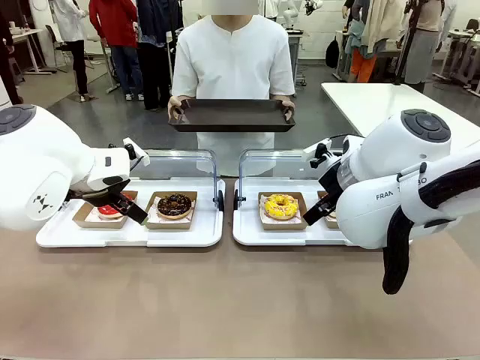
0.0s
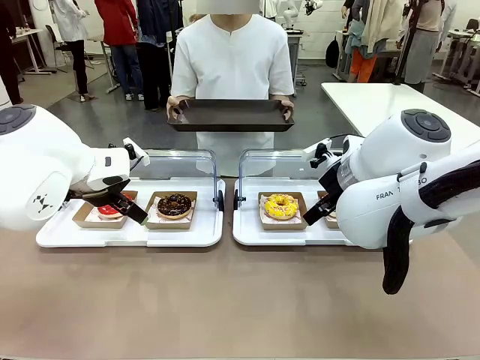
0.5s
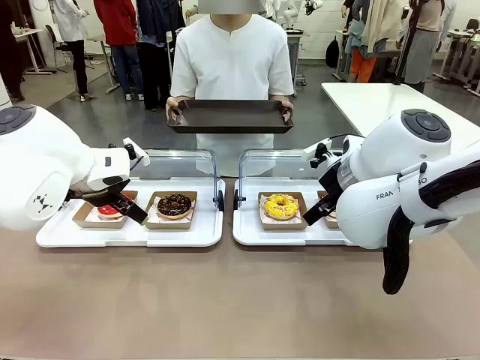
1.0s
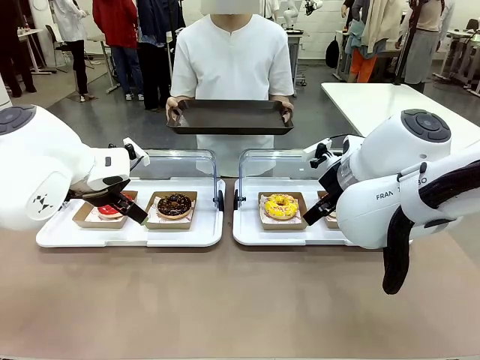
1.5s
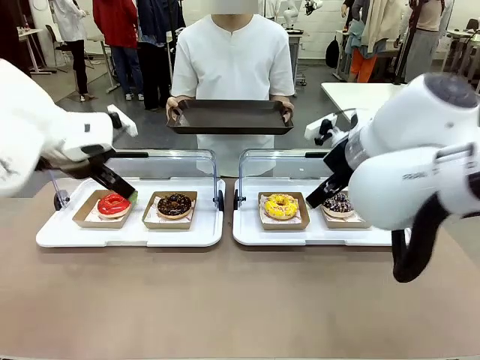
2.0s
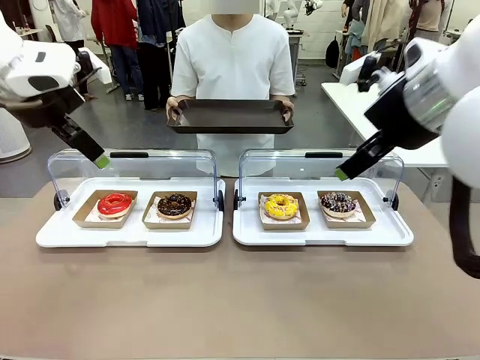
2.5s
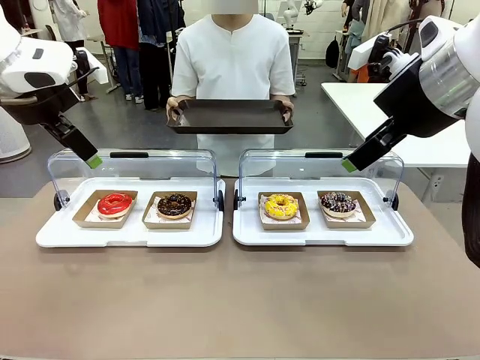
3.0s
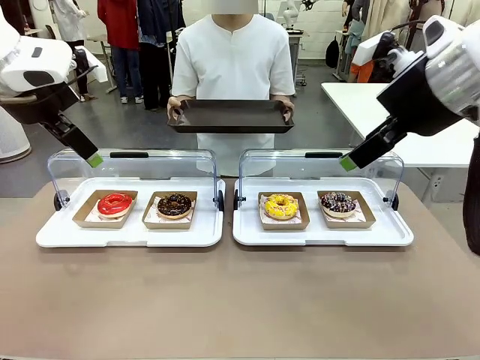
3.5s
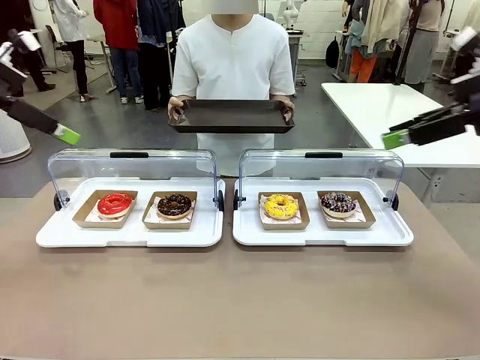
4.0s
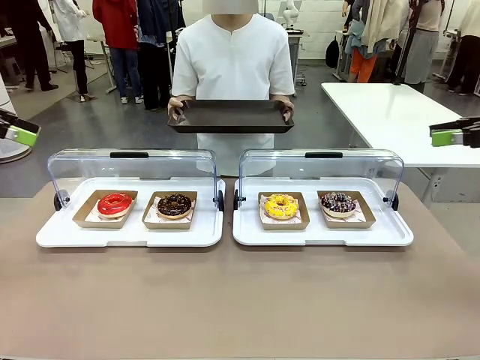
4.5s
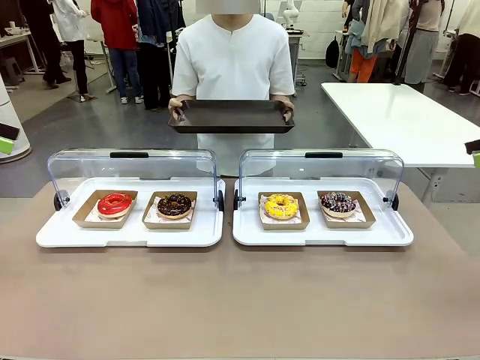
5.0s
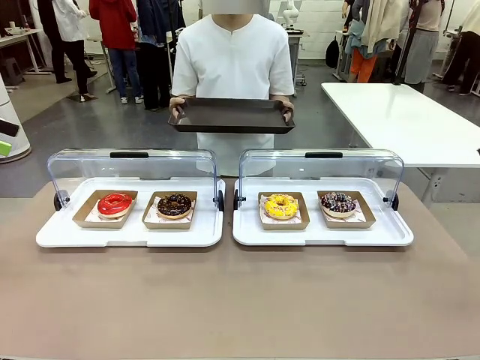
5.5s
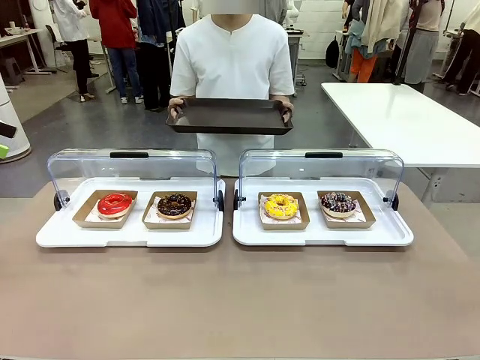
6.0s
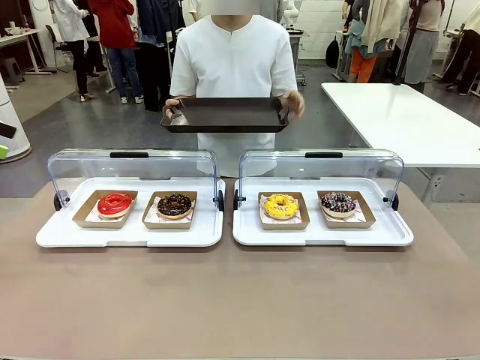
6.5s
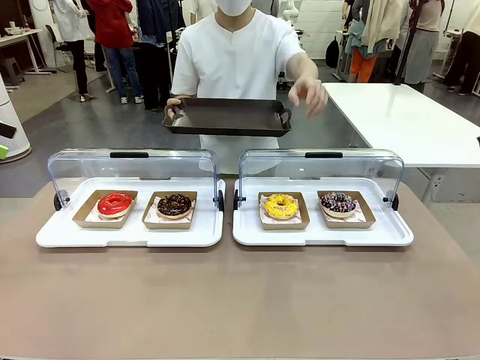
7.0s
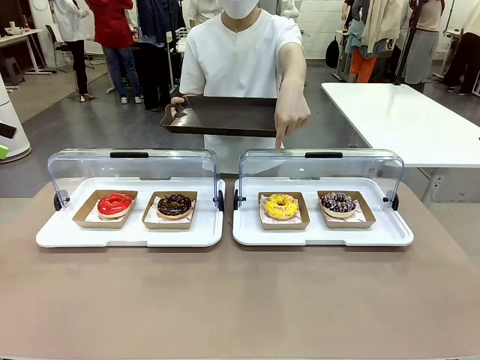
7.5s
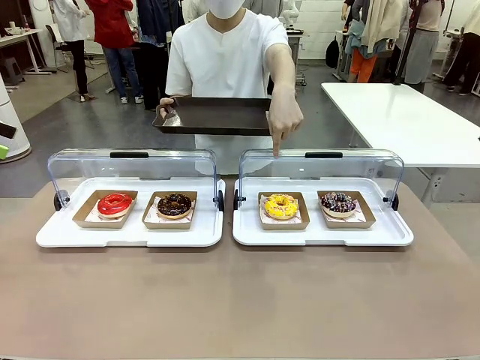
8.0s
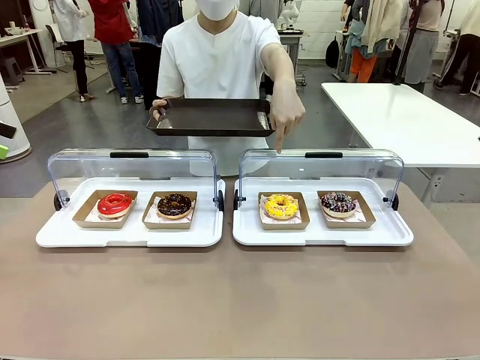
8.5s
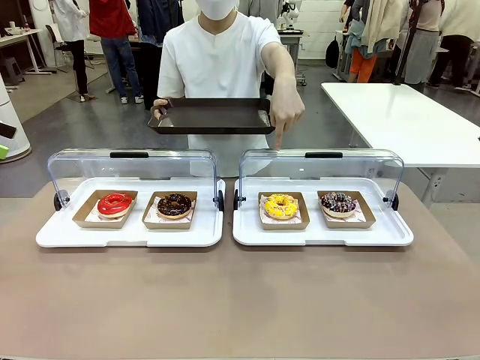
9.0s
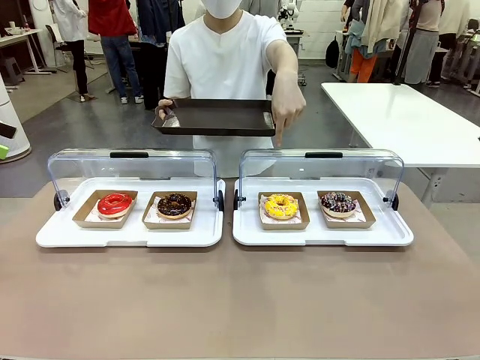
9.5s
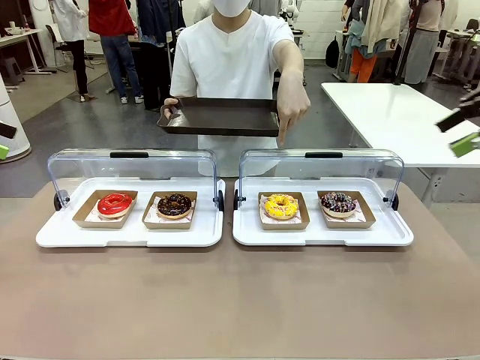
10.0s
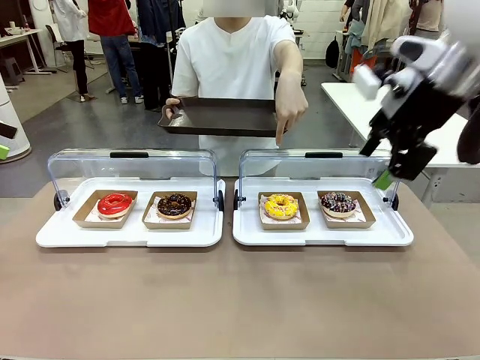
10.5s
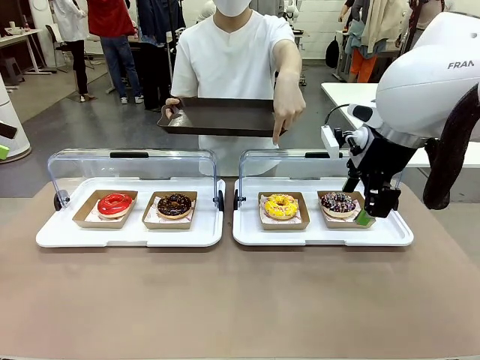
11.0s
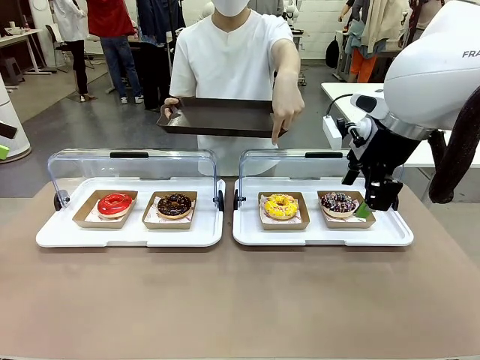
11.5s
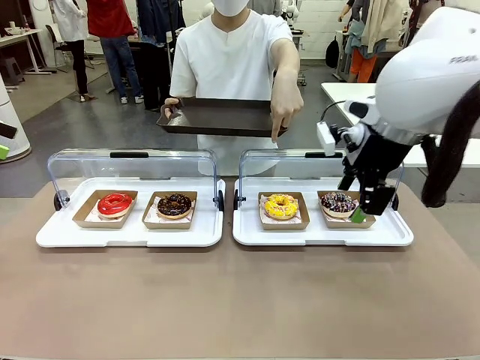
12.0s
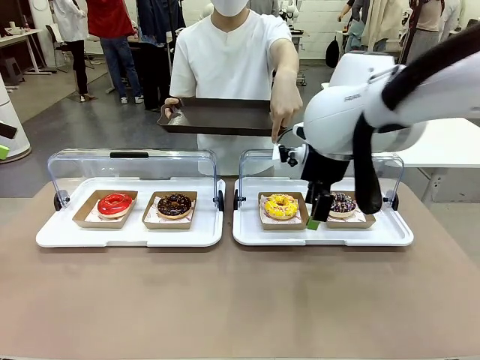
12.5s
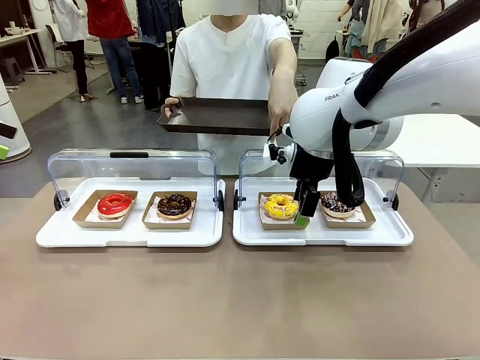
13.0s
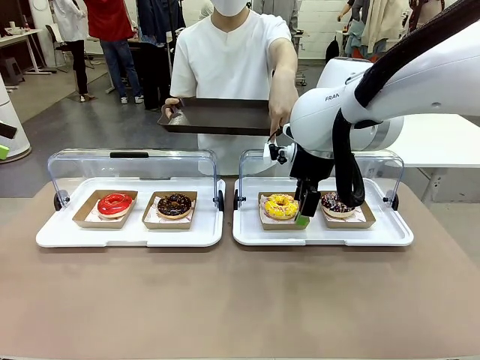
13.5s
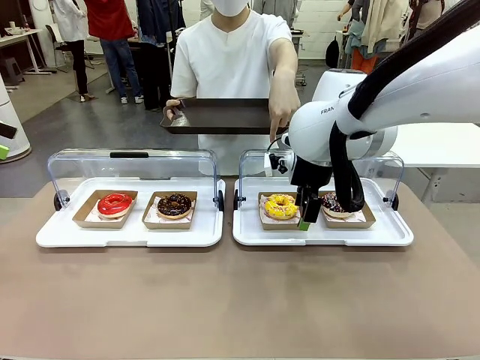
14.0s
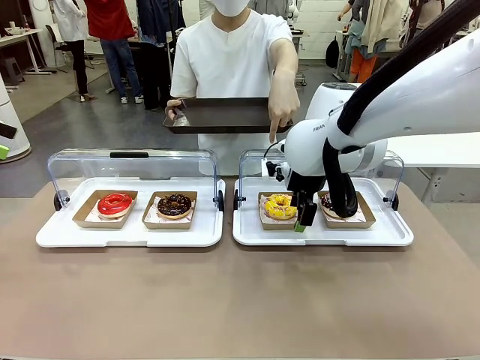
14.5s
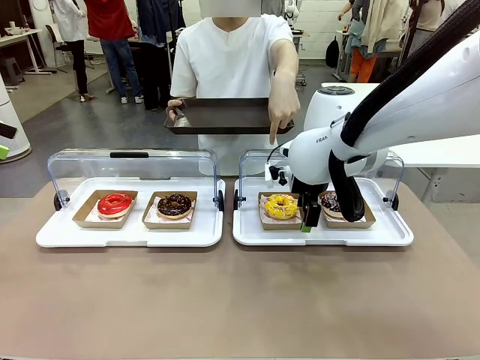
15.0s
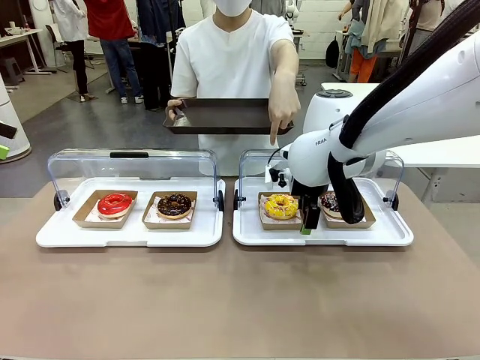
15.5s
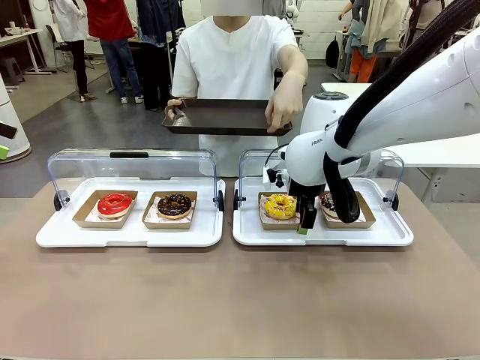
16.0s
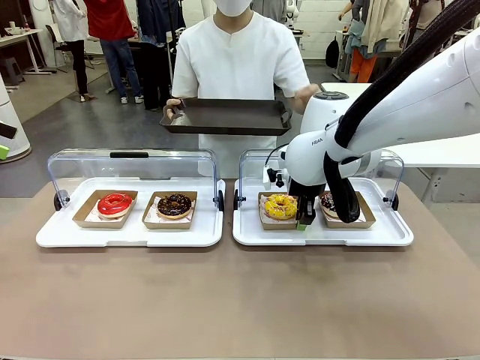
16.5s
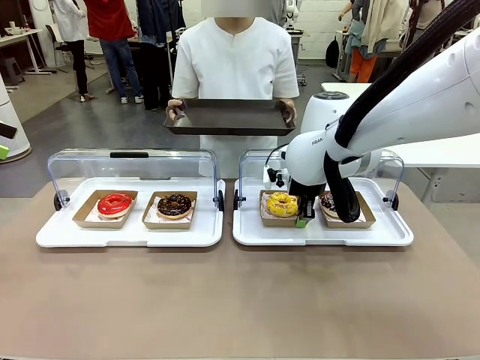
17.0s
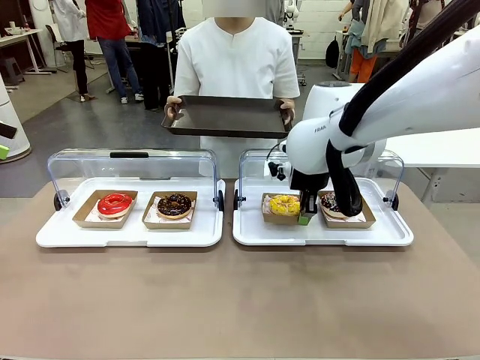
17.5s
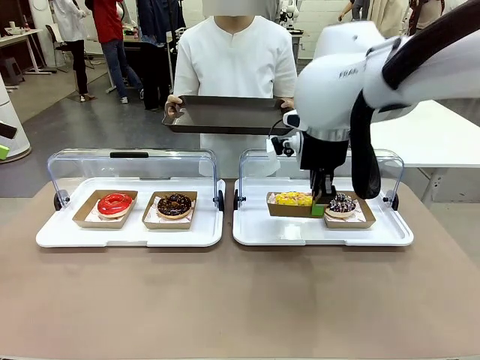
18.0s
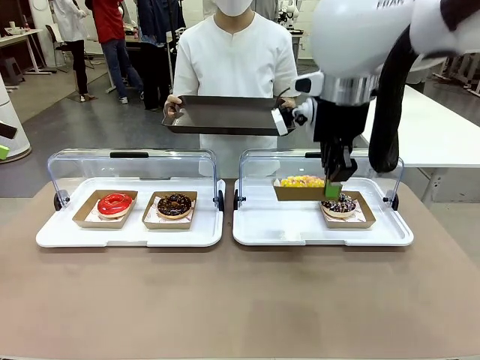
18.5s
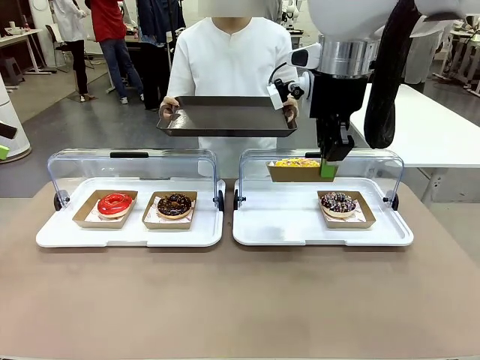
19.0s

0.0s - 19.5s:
Task: Provide the desired donut to the person.
Robot: Pick up and lift the Paper togo box containing the Donut pointed at by the person.
Person: Point to one donut. Lift the tray onto the Roll-Top Bakery Case.

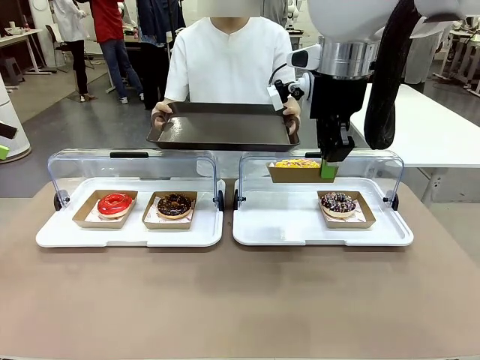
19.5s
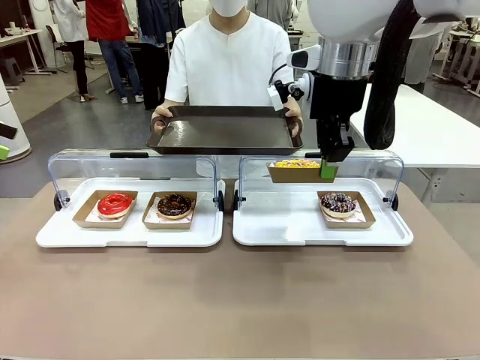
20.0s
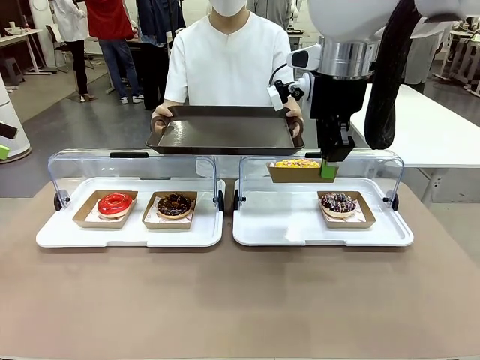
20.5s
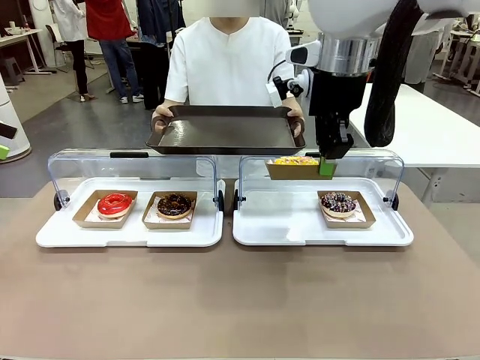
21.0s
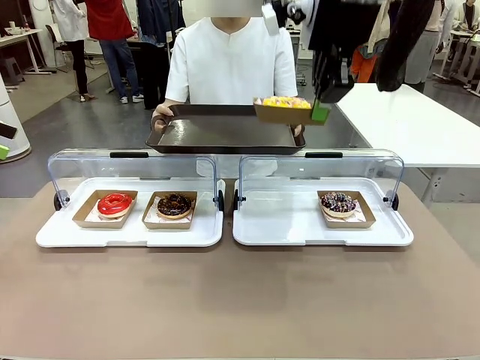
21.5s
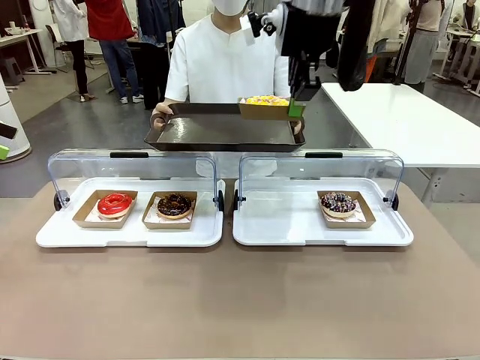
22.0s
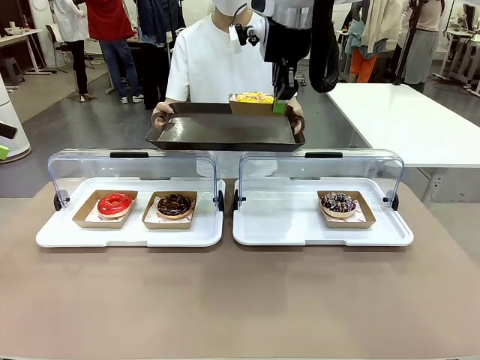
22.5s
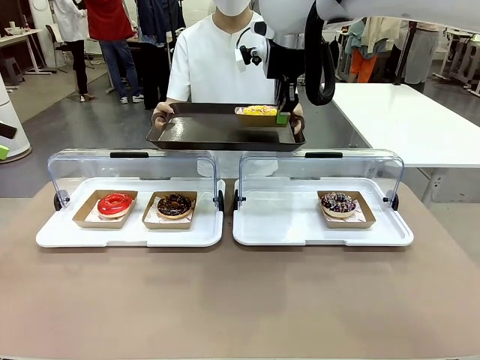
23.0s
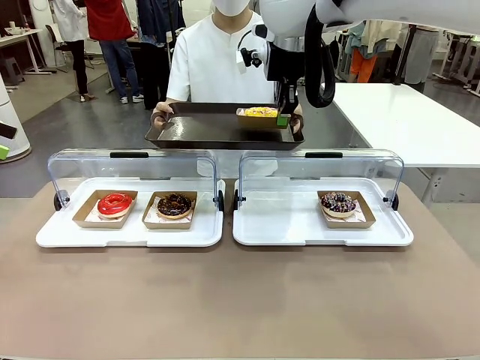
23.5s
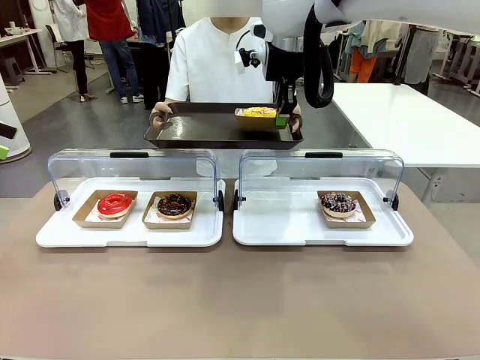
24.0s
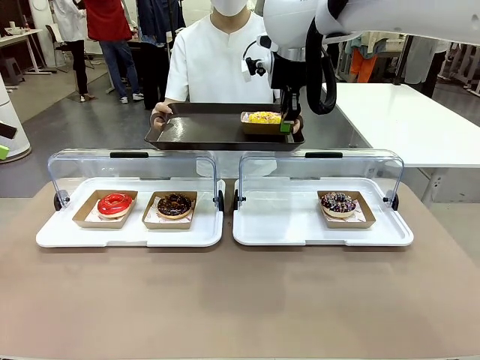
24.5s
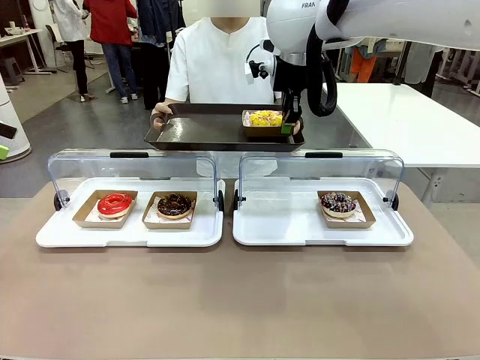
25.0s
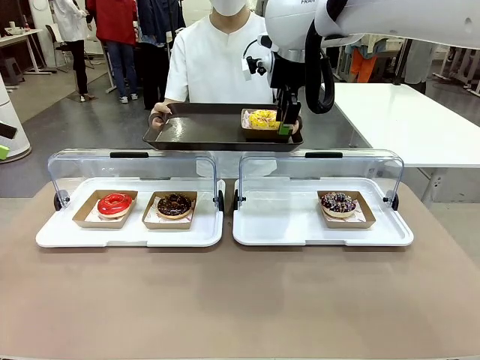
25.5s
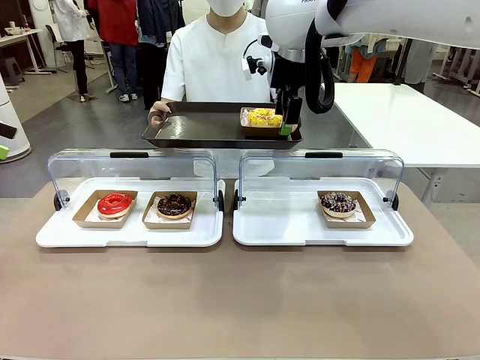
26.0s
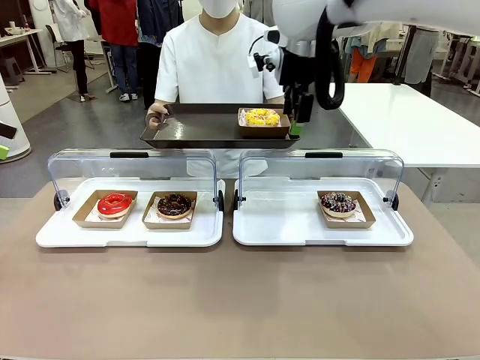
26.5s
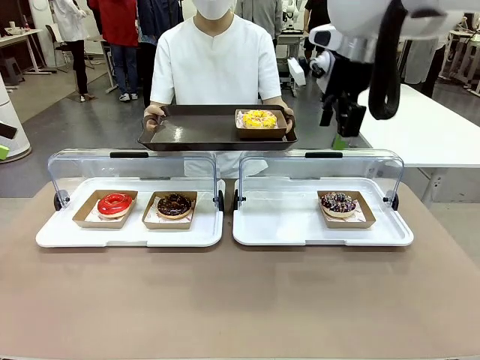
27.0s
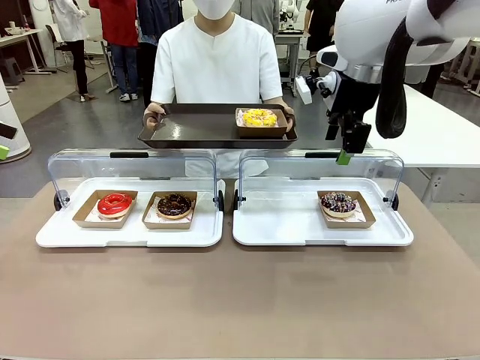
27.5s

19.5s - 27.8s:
Robot: Place the picked Paper togo box onto the Handle tray extended by the person.
